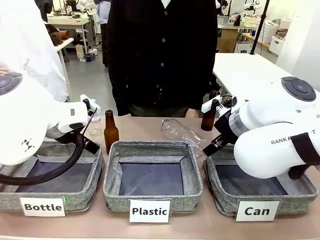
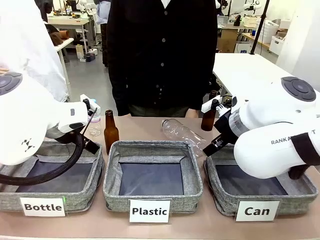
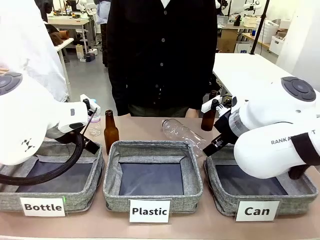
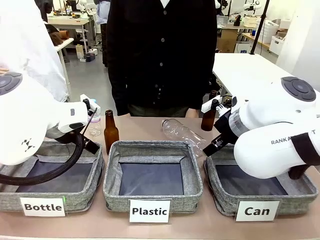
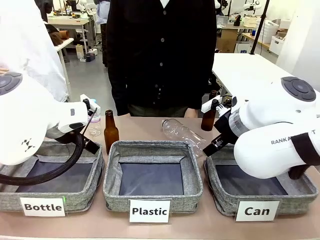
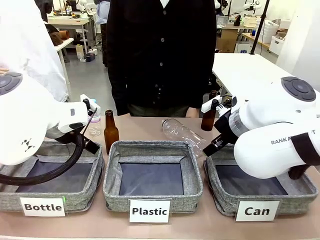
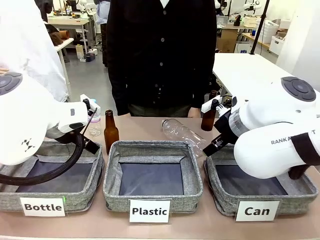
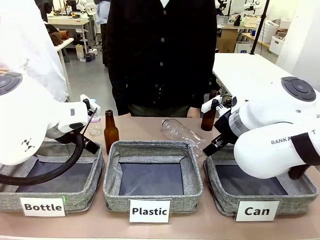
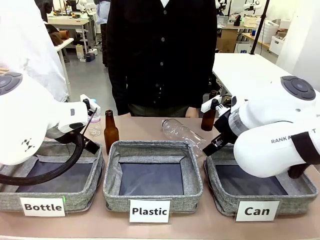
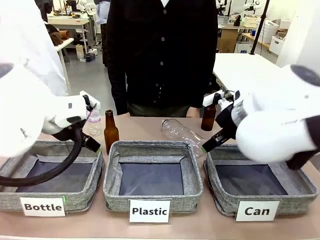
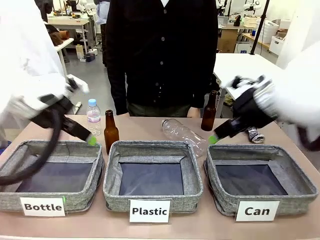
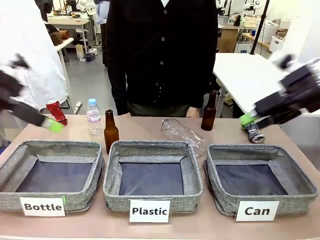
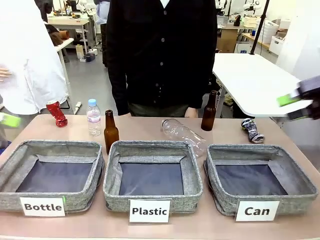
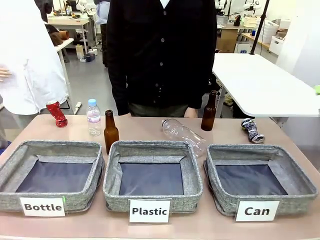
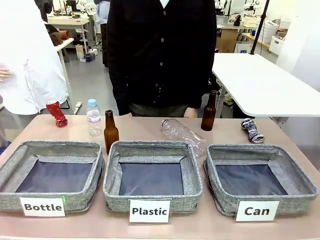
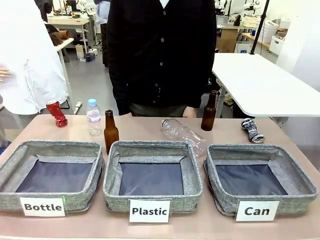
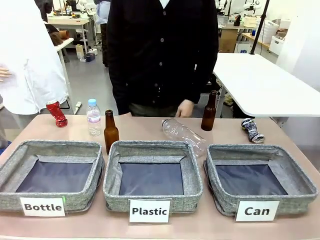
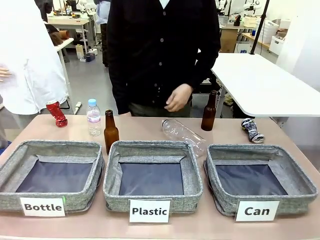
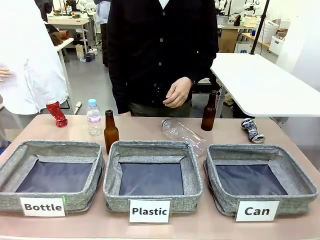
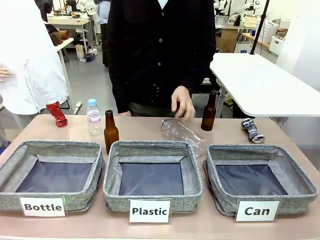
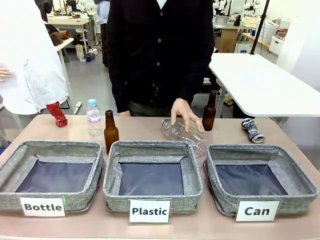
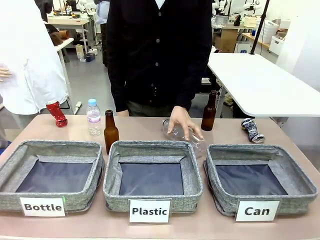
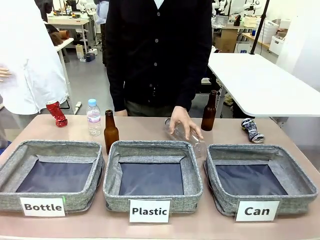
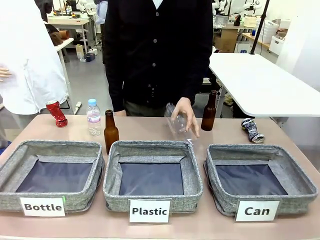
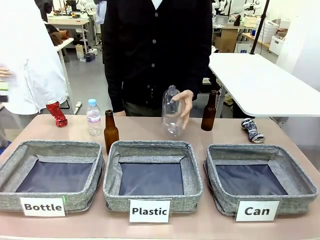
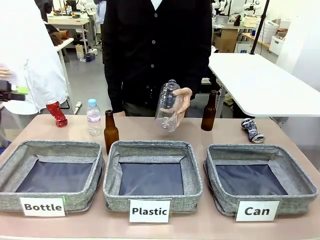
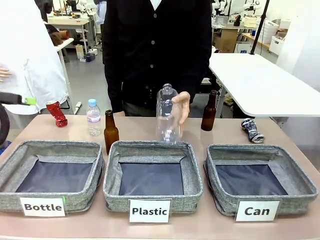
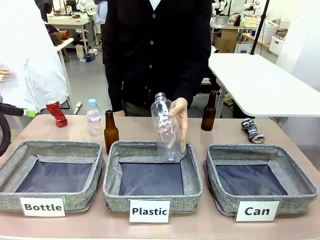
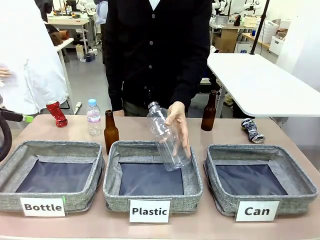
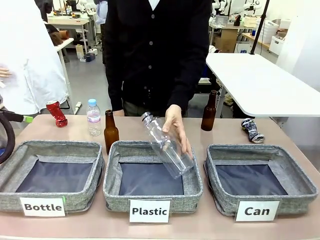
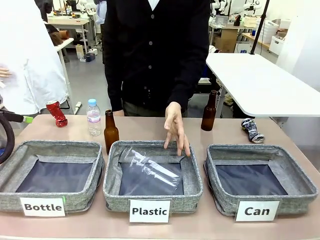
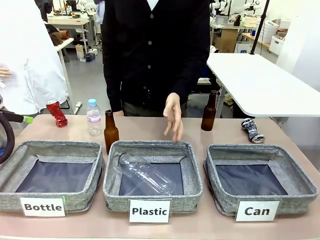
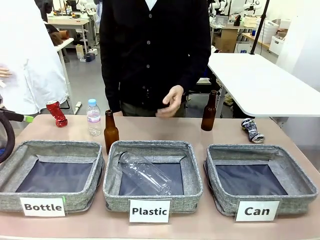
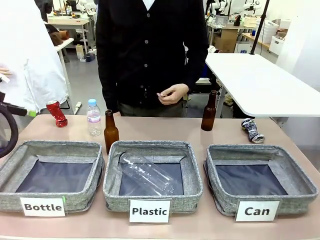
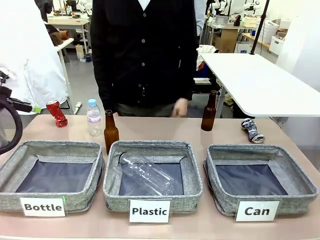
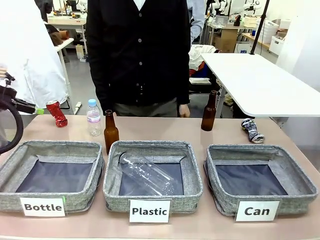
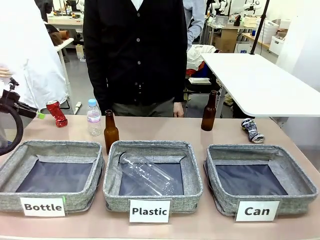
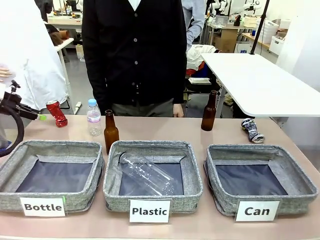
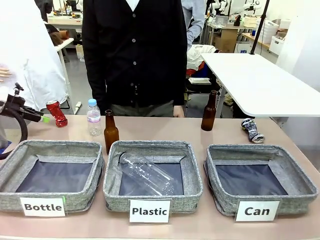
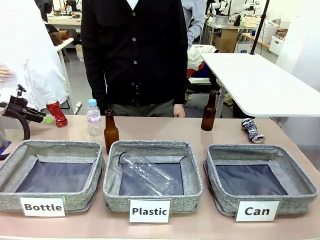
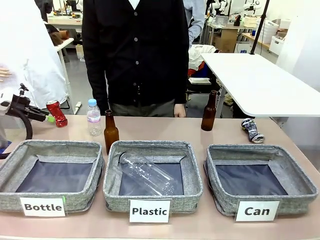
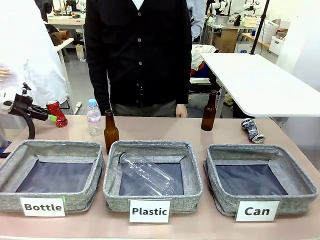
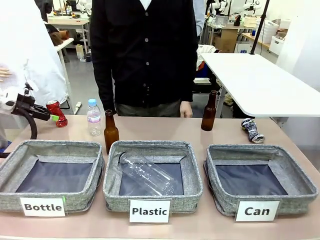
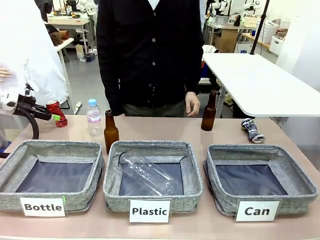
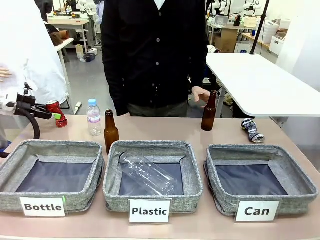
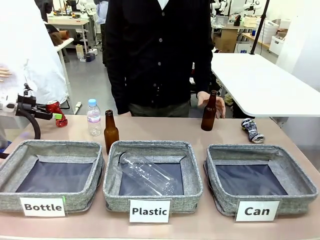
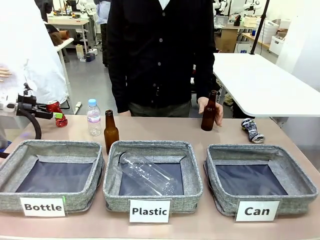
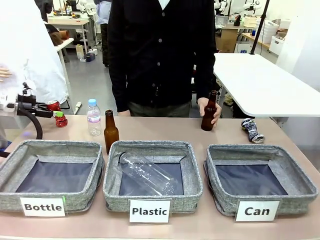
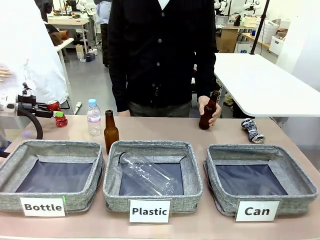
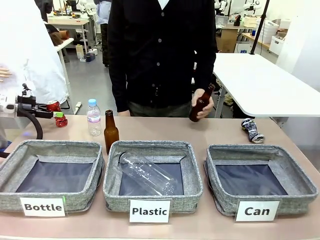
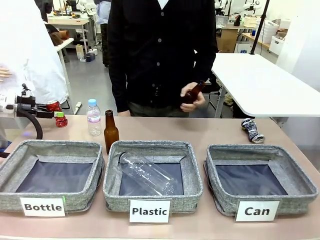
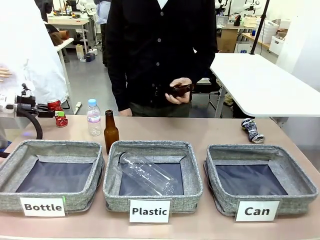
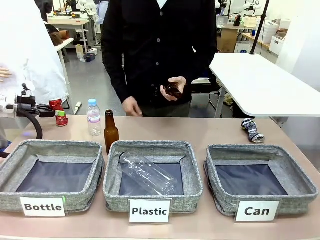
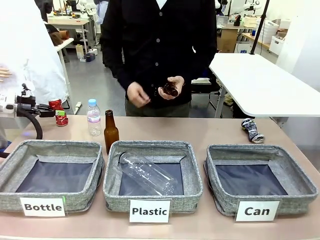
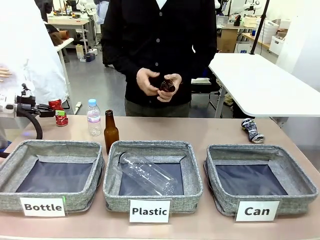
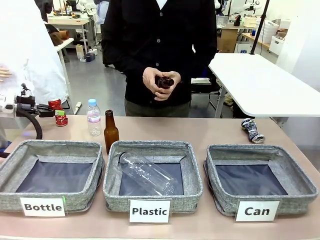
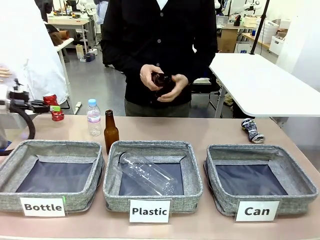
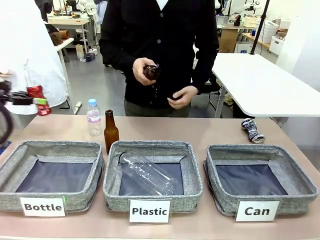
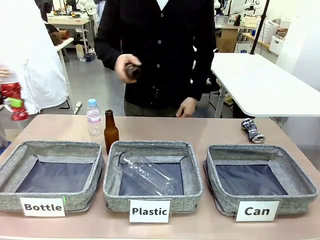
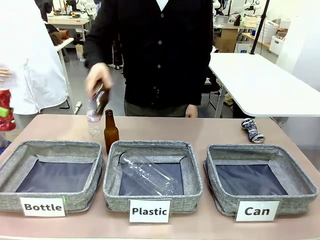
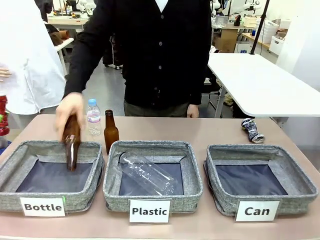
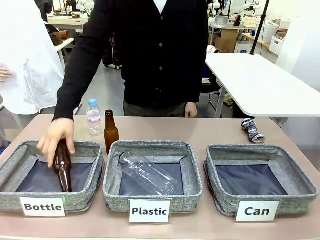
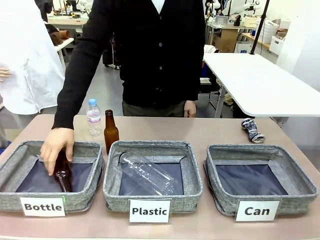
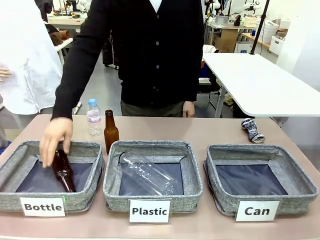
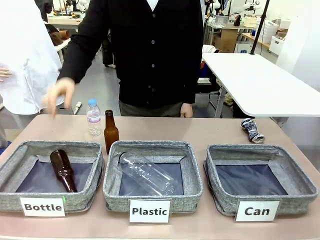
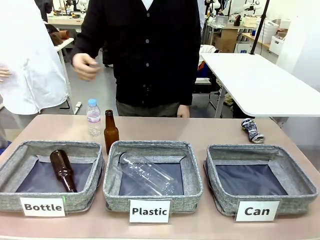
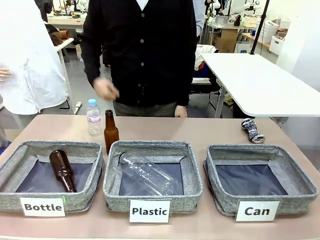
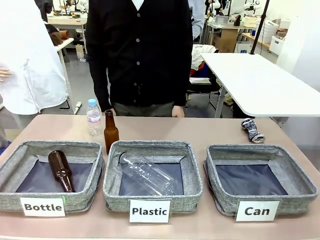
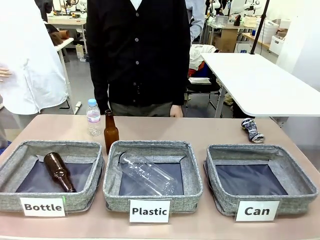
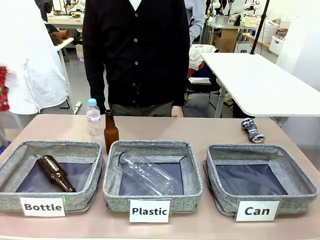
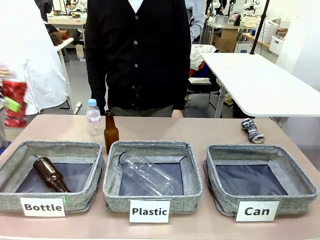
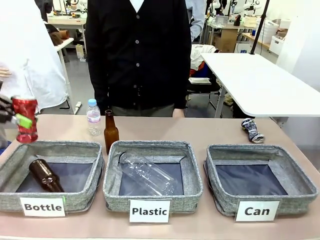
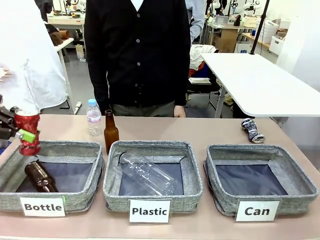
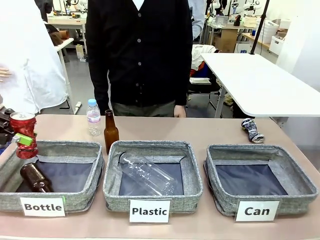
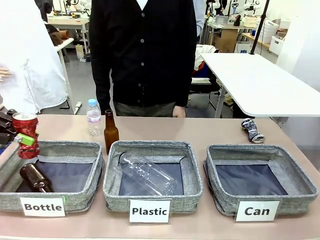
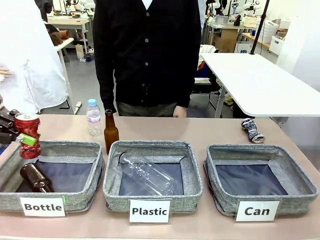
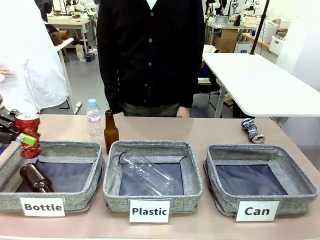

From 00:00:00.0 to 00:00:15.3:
Task: Sort the can waste into the basket.
Robot: Pick up the can waste from the table and place it in the right Fabric basket.
